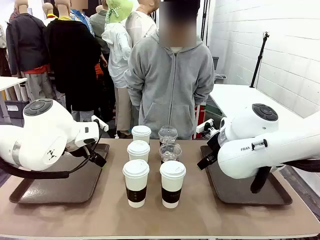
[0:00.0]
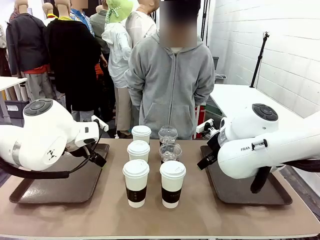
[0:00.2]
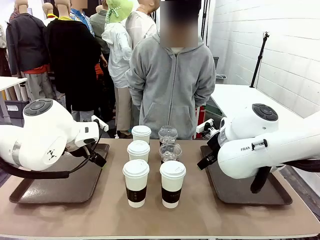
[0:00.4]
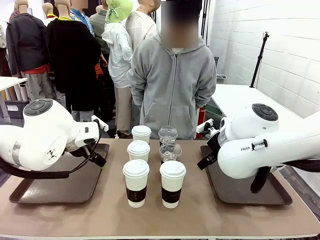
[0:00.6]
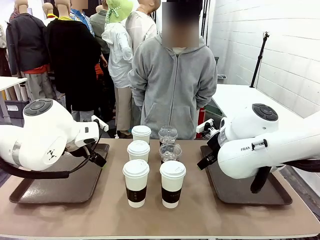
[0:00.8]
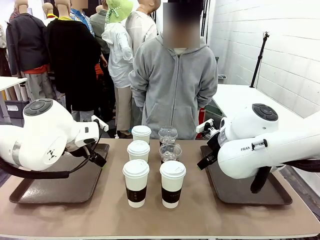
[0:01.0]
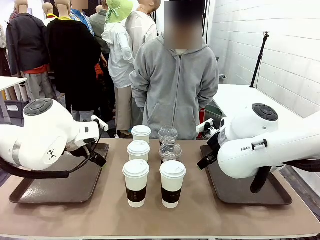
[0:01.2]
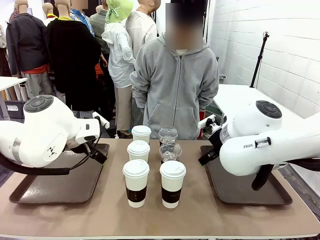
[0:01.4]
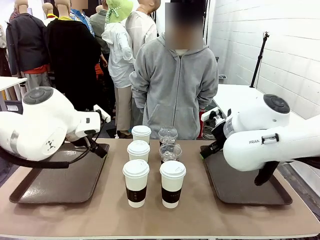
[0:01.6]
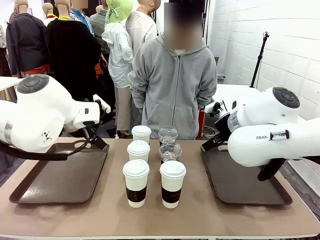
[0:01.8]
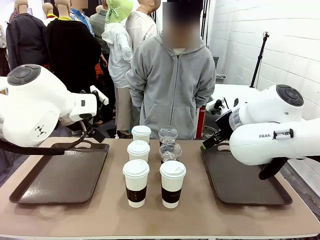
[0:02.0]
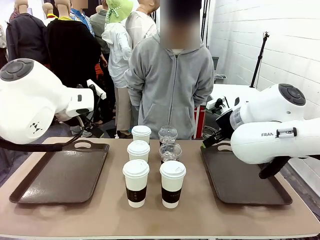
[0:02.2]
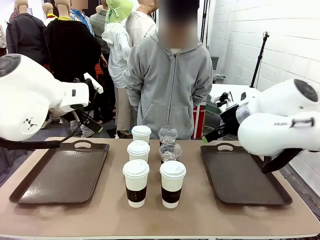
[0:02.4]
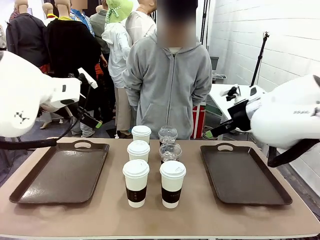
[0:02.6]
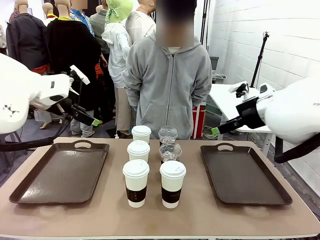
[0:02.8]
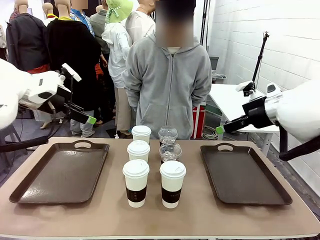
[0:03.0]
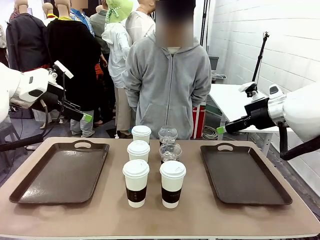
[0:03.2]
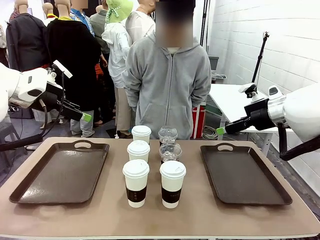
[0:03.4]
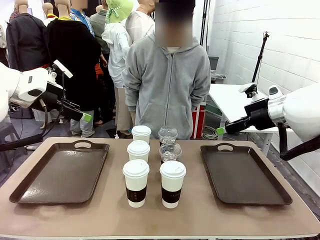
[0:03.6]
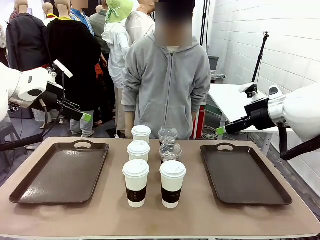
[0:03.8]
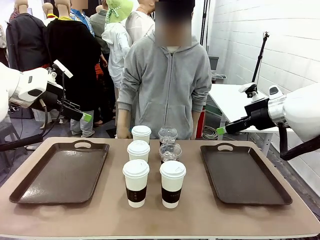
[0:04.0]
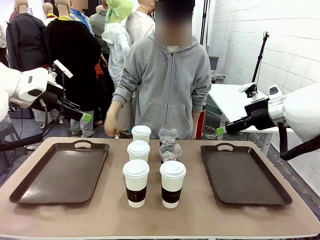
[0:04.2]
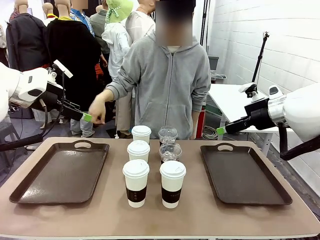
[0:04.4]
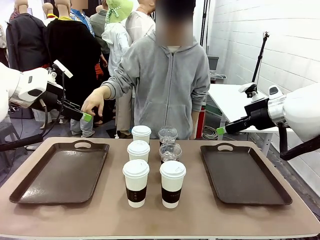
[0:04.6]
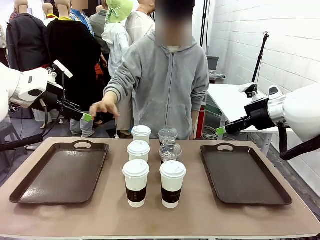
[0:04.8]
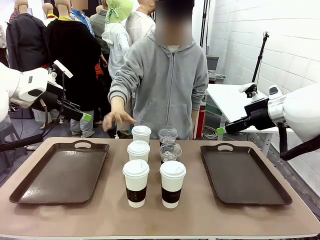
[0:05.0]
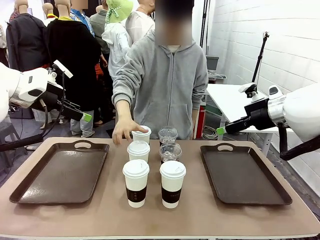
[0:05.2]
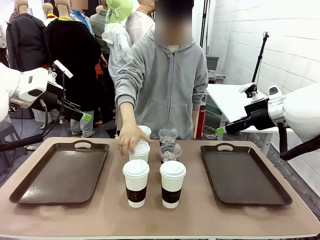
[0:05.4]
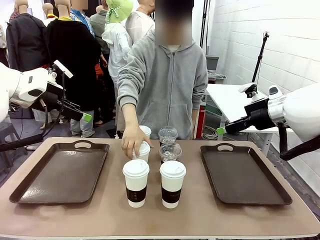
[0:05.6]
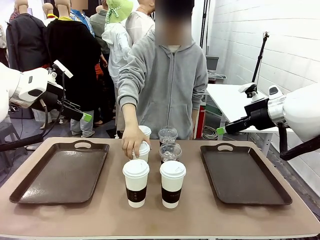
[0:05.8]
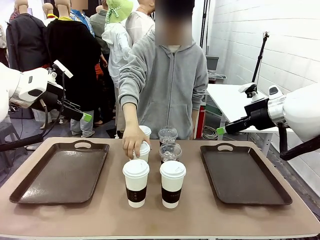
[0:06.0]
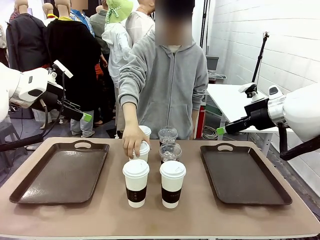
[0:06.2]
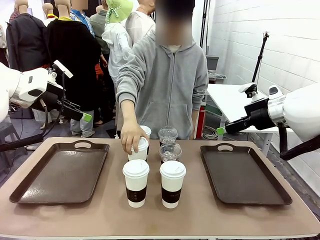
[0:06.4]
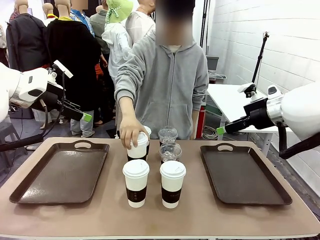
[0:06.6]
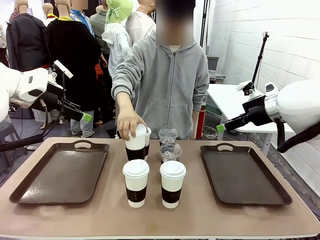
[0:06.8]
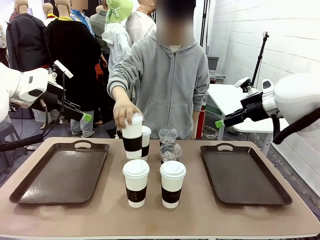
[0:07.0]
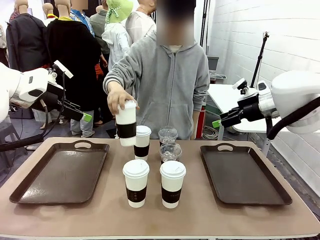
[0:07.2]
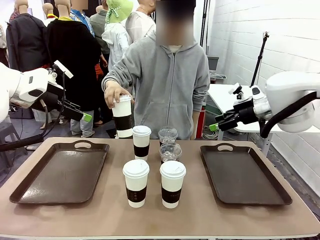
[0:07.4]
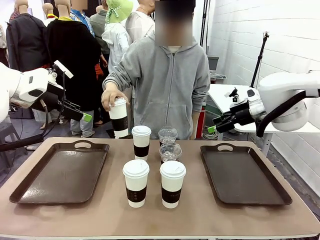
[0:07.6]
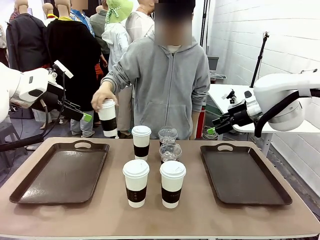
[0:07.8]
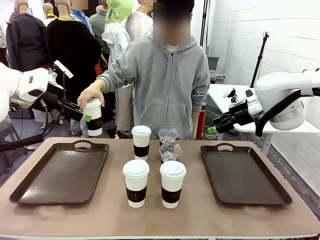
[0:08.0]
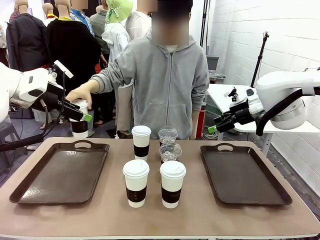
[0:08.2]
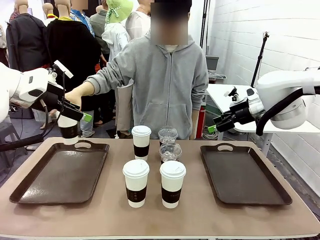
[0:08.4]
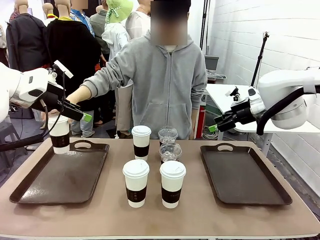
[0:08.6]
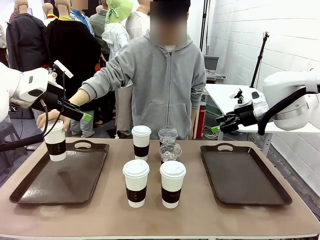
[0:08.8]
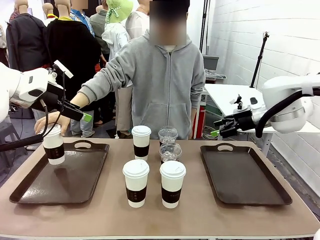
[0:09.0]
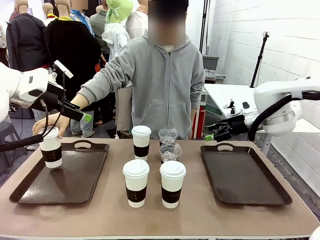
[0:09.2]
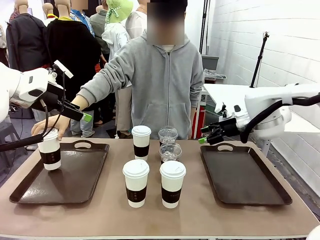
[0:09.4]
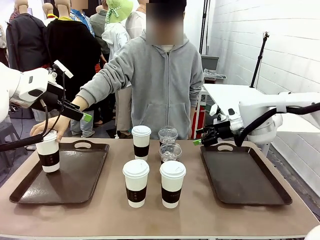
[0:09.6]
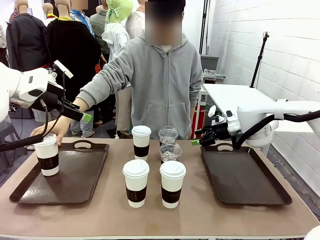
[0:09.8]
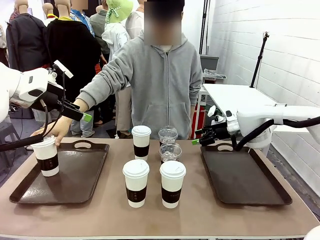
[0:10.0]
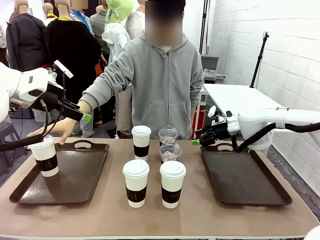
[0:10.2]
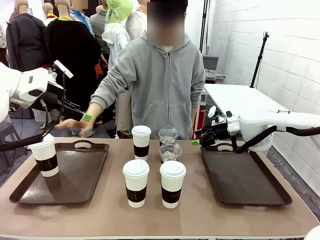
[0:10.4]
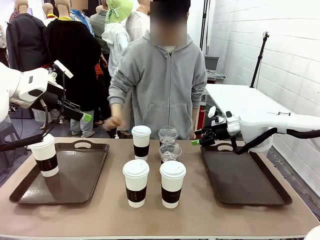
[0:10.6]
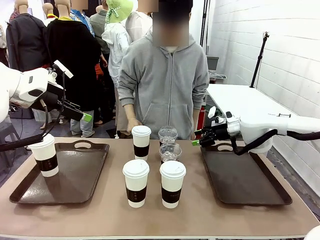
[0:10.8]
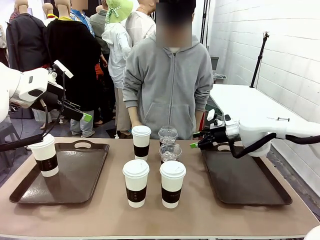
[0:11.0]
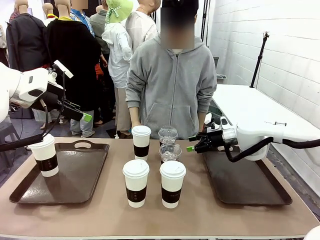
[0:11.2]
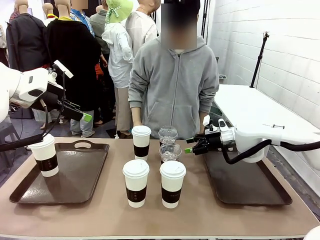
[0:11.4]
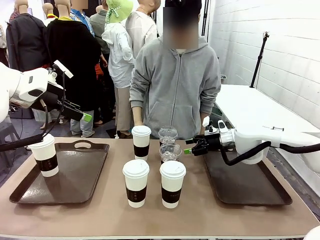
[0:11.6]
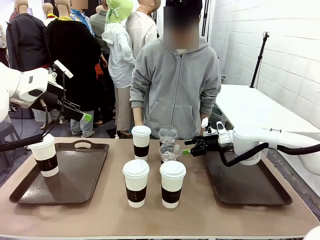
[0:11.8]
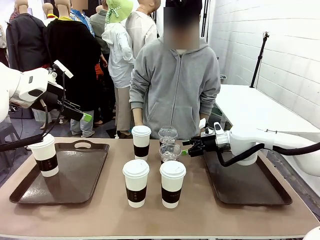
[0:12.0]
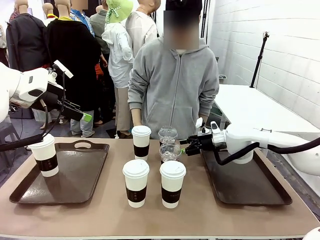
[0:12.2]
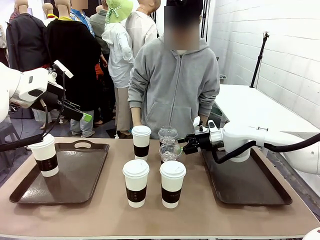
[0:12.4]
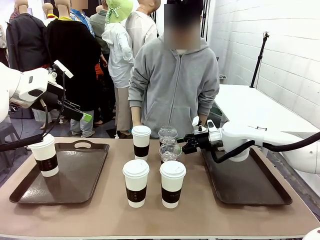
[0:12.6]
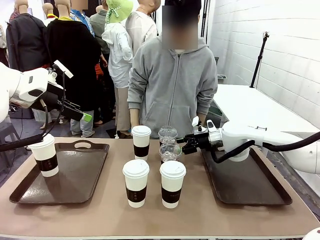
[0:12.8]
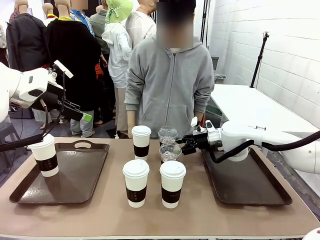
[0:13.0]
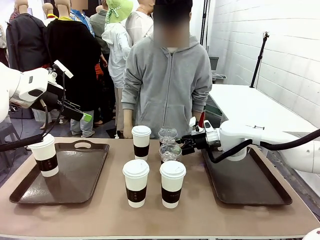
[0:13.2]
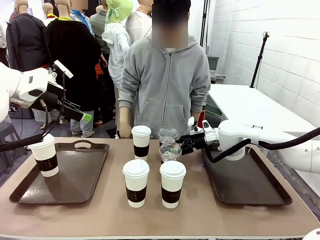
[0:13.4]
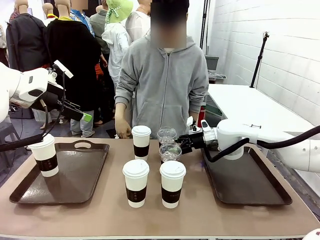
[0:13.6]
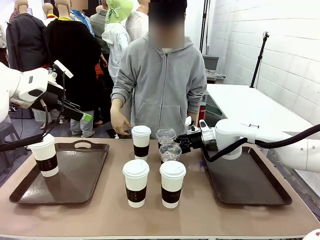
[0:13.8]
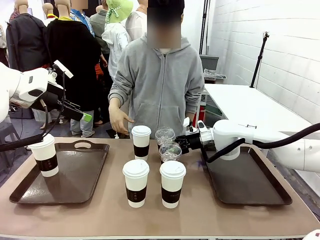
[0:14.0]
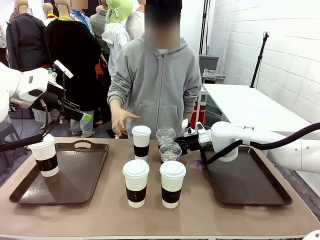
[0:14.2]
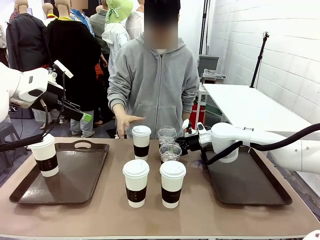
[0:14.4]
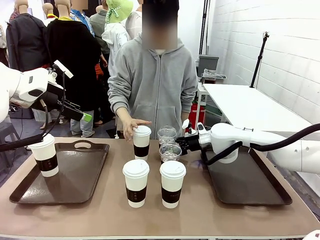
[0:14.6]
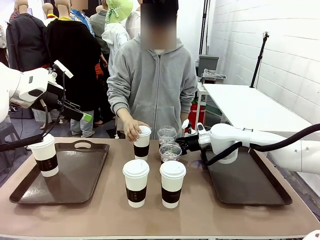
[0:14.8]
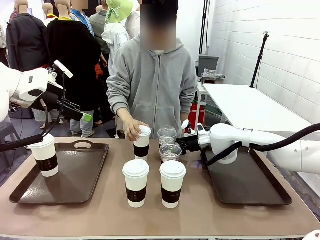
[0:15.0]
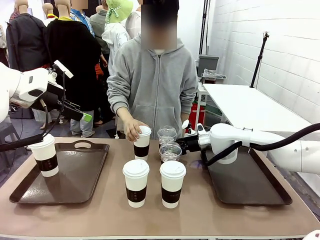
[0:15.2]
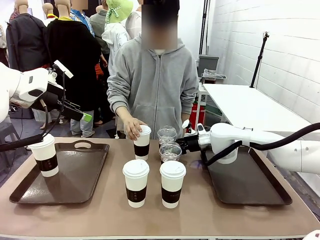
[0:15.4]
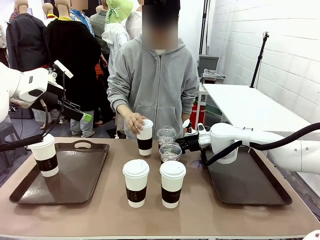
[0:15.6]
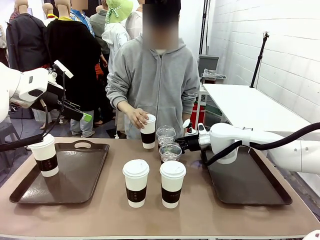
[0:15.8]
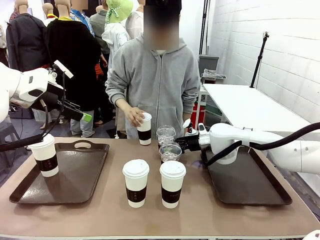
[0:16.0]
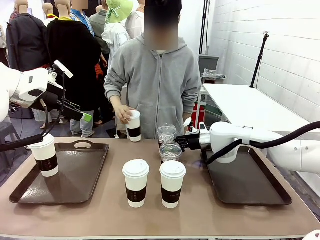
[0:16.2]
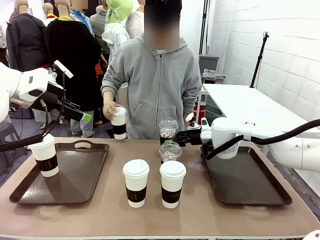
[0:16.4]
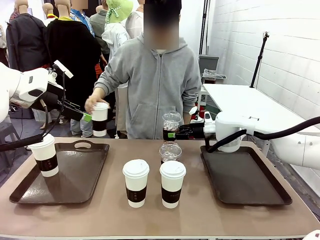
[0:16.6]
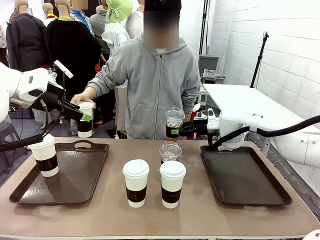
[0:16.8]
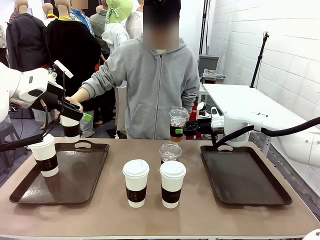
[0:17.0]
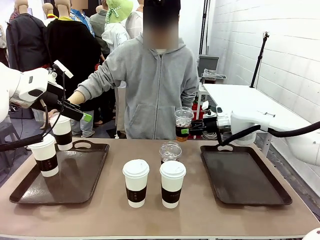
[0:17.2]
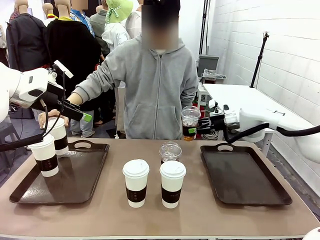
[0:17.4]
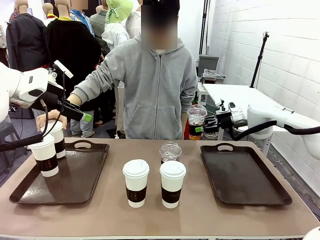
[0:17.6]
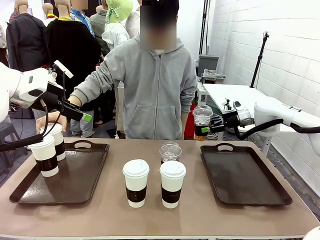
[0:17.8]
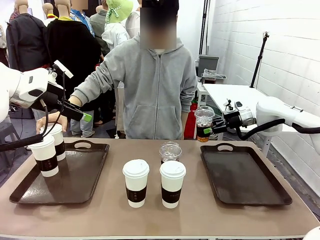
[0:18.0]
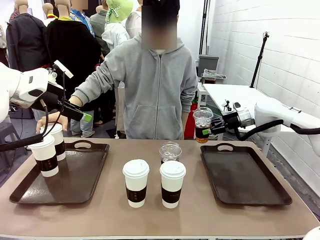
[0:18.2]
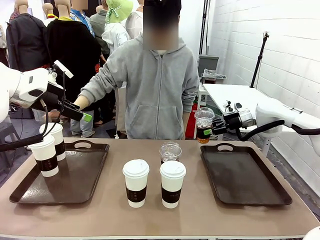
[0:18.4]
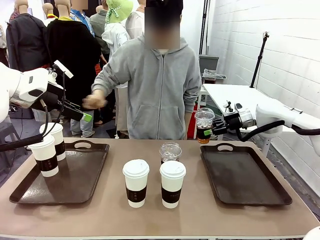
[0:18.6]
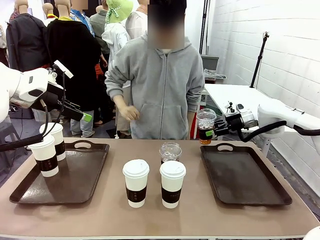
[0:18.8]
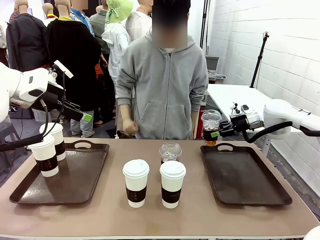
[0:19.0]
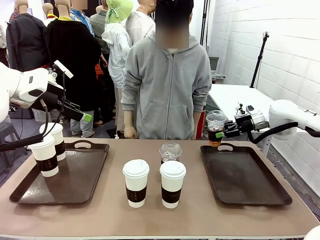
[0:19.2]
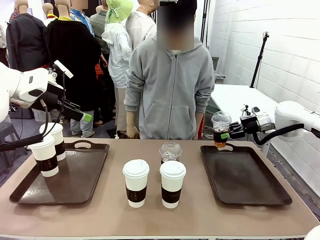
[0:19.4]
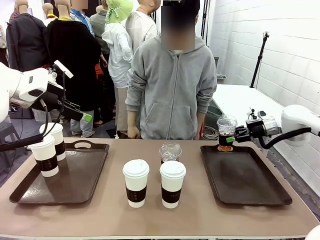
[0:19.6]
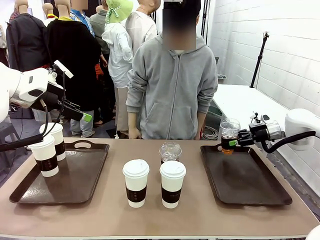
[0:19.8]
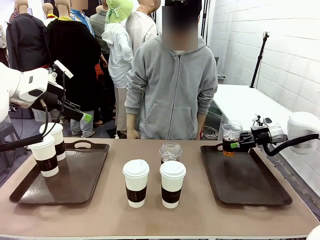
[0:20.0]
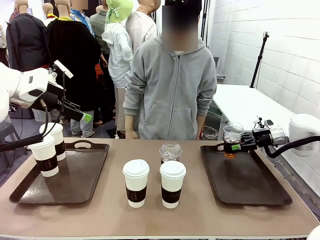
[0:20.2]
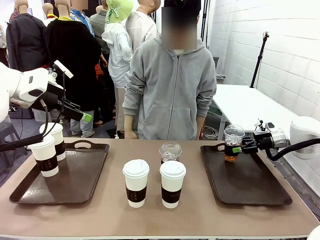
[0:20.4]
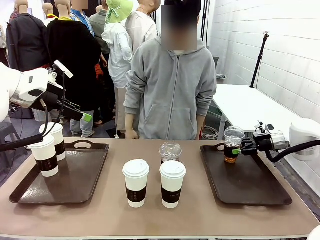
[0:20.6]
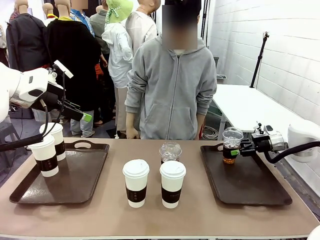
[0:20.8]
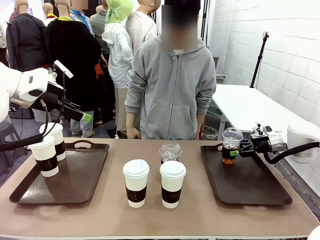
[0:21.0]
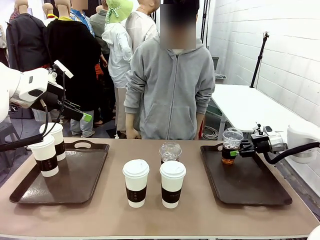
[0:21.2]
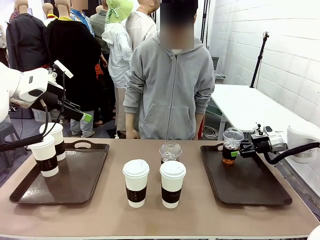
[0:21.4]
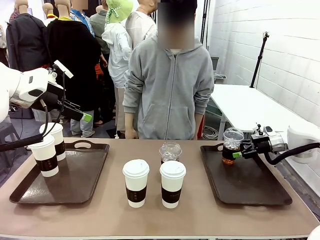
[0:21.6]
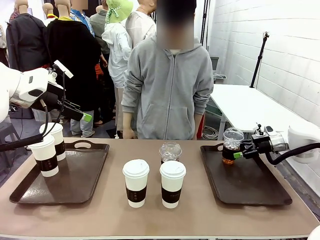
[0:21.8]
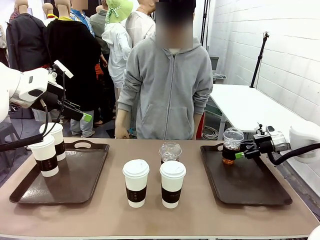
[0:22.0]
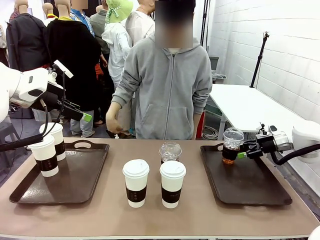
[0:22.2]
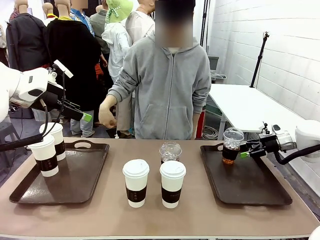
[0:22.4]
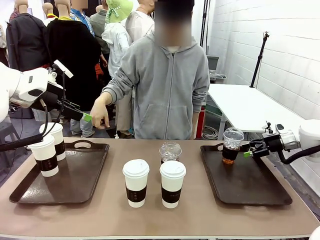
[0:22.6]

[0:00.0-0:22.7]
Task: Distribute the coffee onto the tray.
Robot: Pick up one iced Americano and place it on the right Handle tray.
Person: Pick up a cup of hot Americano and place it on the right tray.
